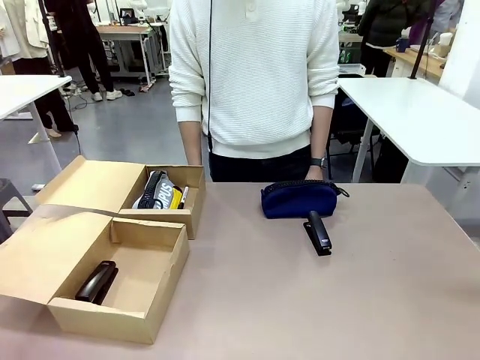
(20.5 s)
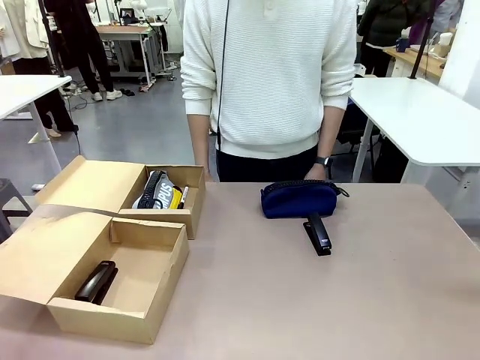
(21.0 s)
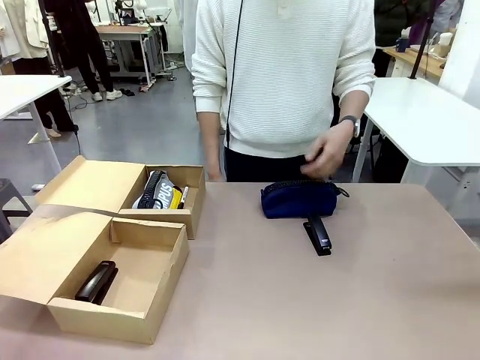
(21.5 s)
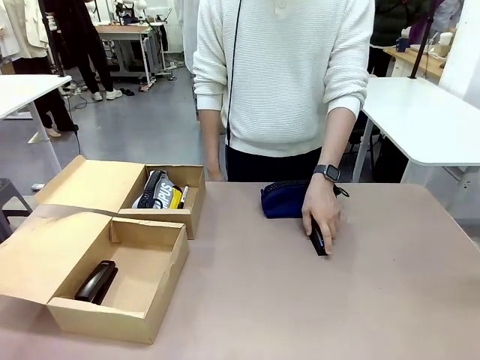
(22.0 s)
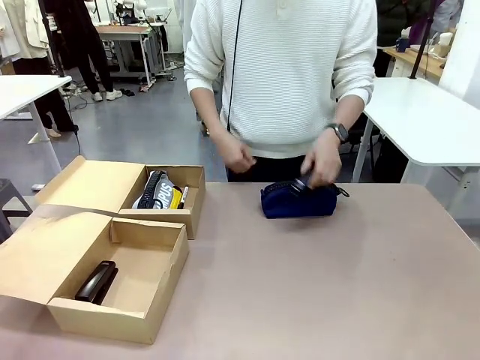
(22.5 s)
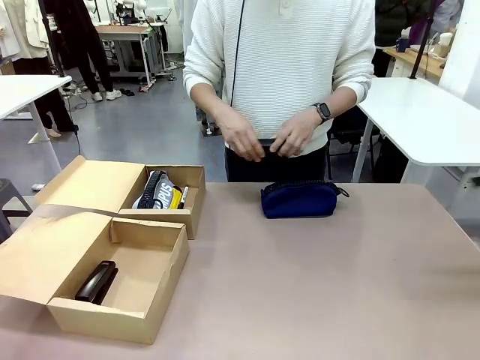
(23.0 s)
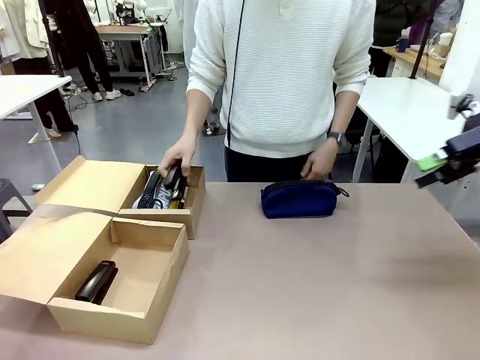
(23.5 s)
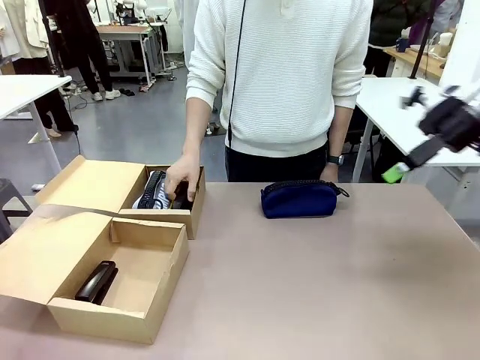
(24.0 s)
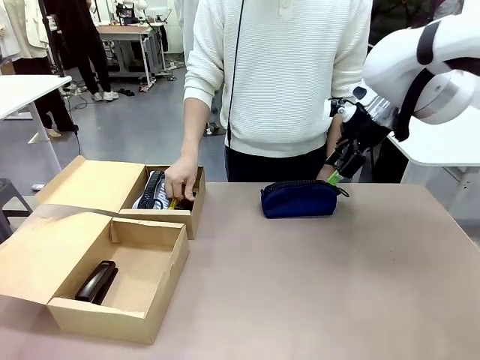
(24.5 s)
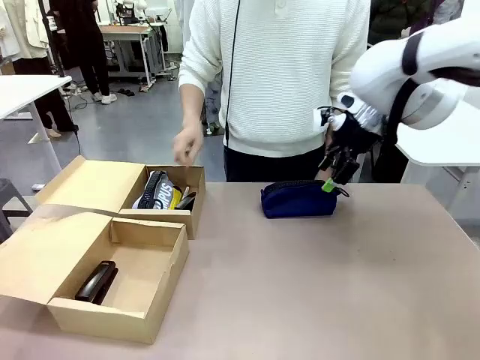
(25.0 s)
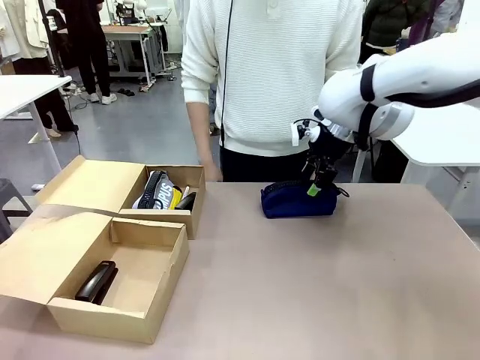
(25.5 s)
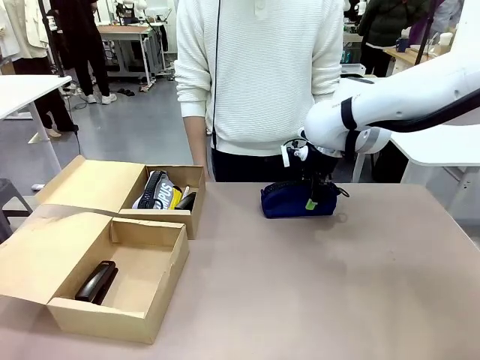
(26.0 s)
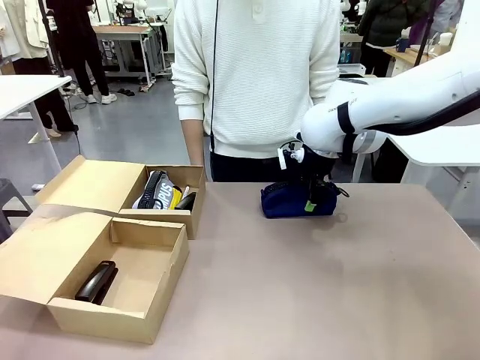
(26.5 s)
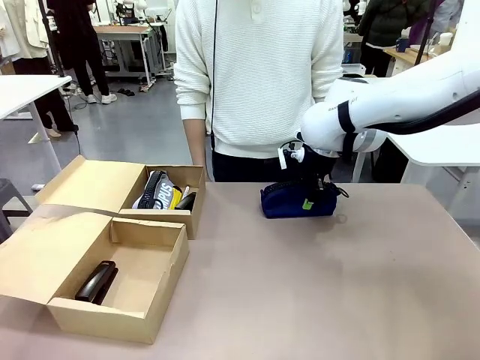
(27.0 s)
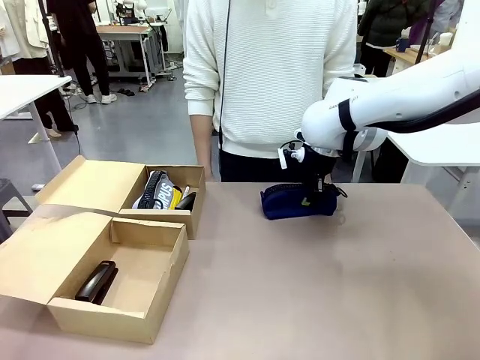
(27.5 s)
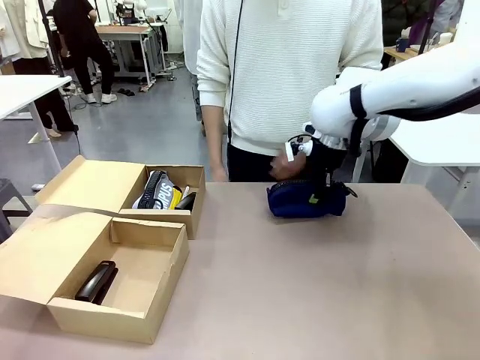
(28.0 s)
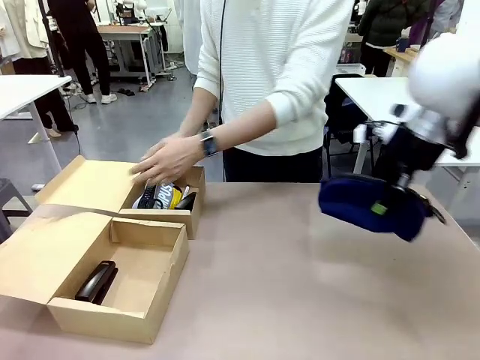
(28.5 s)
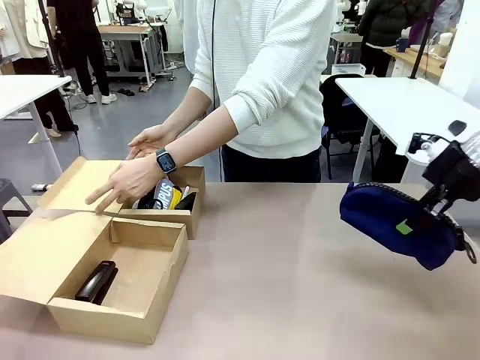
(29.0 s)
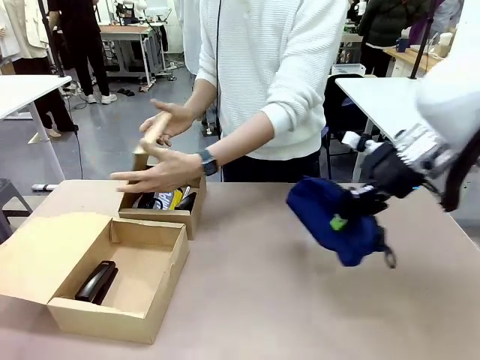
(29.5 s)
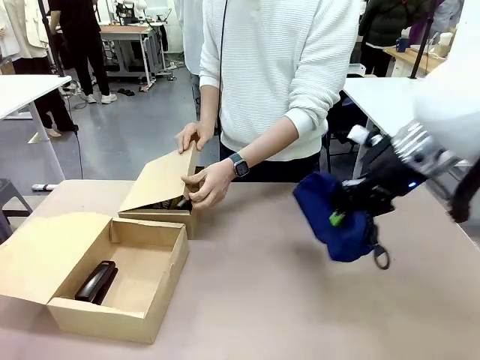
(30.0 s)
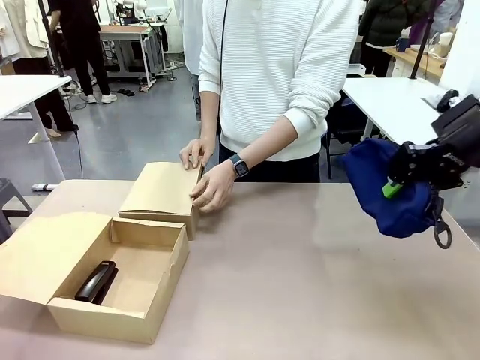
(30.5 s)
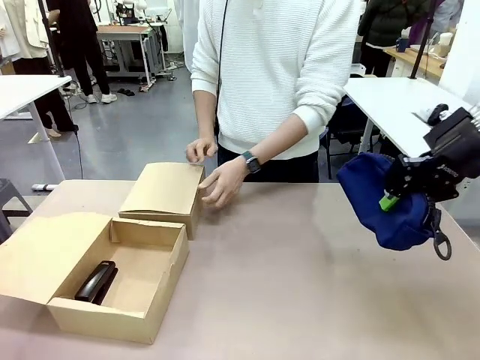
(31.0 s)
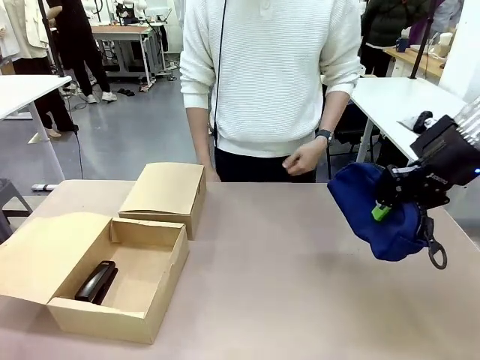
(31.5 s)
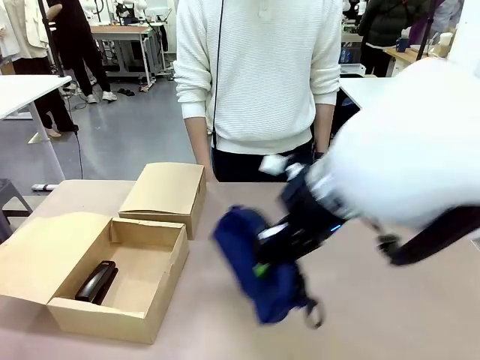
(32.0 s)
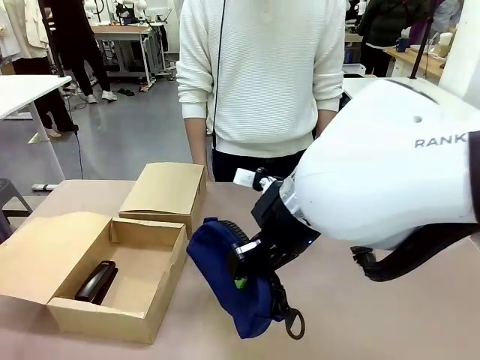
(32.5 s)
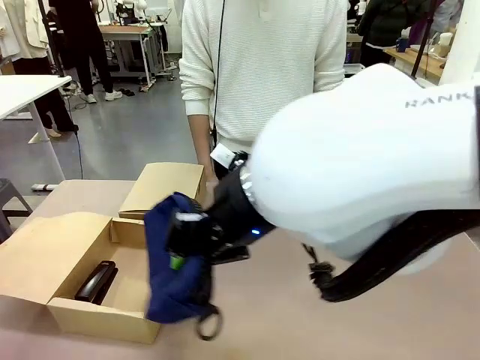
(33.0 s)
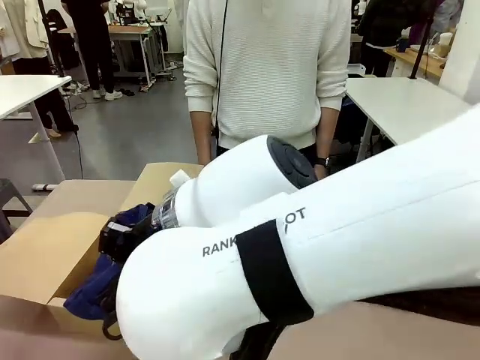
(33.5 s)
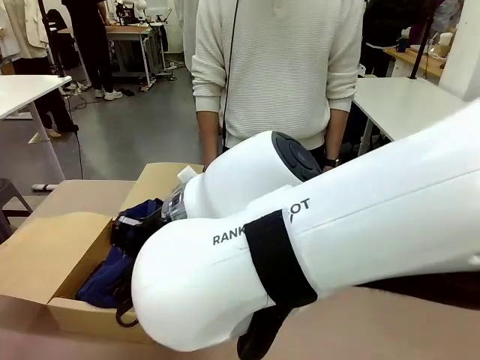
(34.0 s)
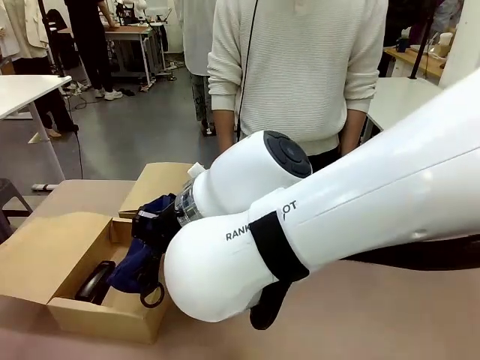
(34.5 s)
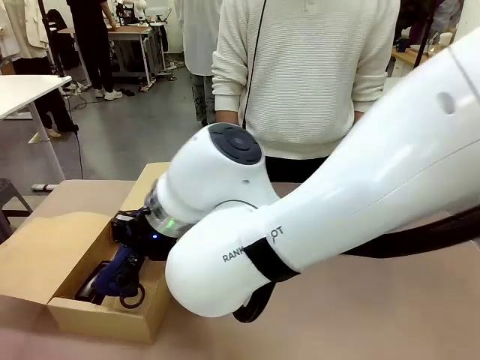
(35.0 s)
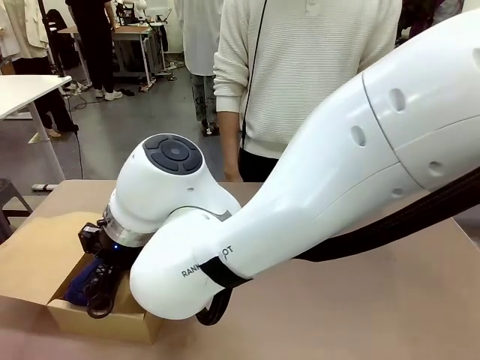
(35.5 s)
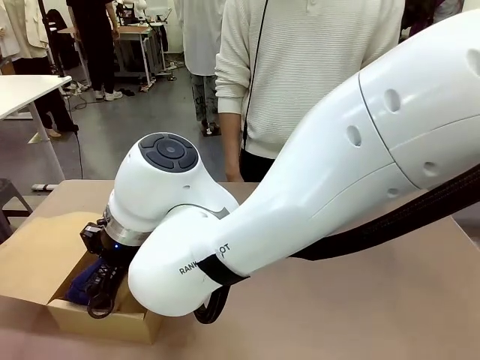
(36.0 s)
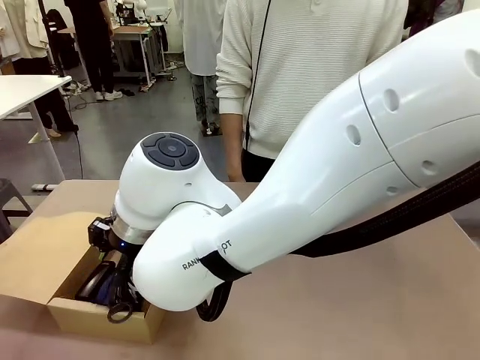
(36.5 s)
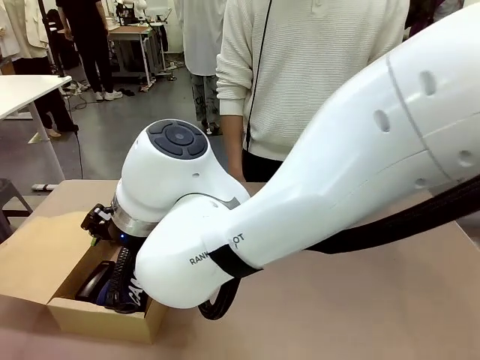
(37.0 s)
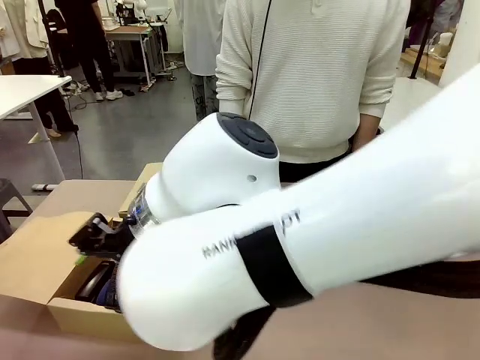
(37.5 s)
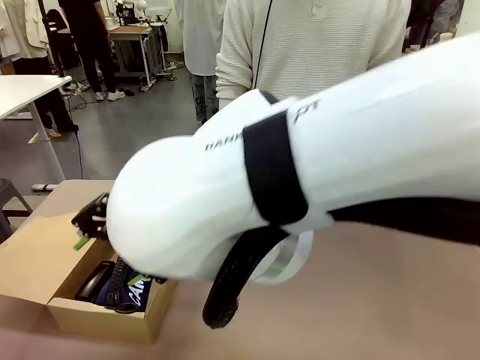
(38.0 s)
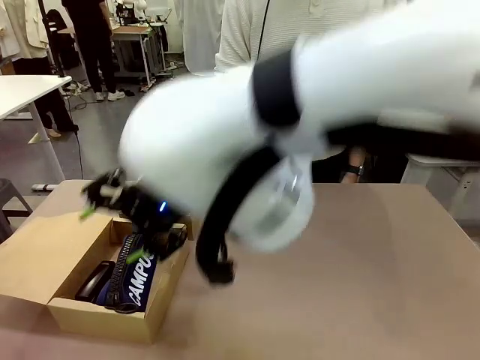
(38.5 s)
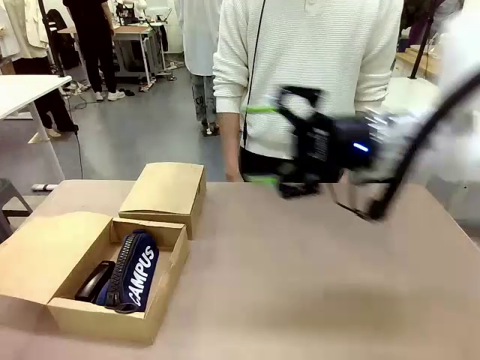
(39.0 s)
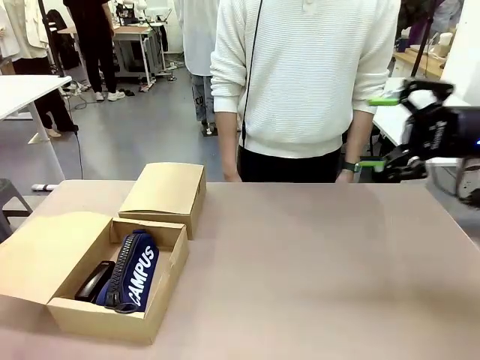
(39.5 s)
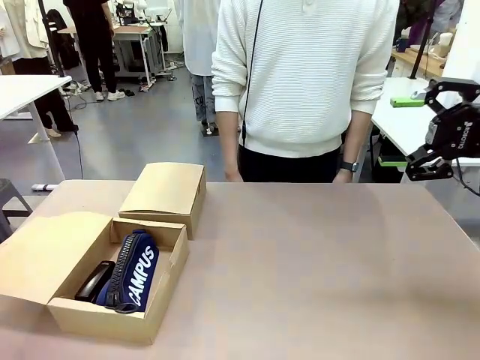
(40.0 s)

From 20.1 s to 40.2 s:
Task: Place items inside the box.
Robot: Pick up a Pencil pouch or Stapler and place it inside the Mailer Box closest to the robot.
Person: Close the lid of the box facing the person.

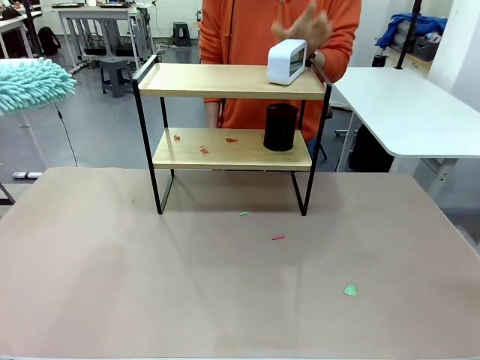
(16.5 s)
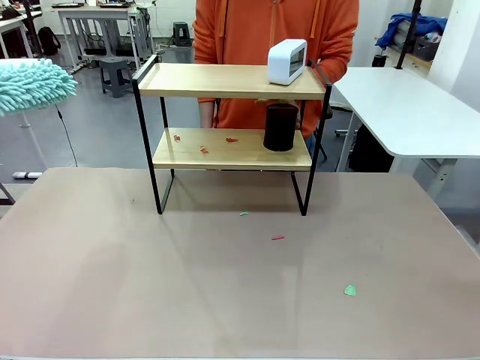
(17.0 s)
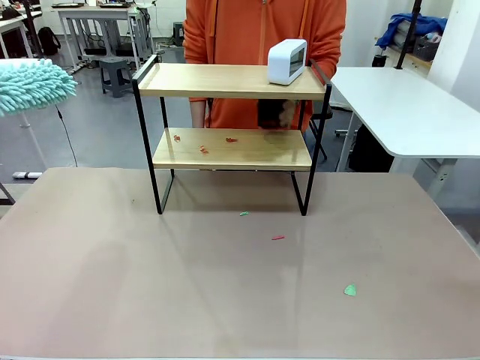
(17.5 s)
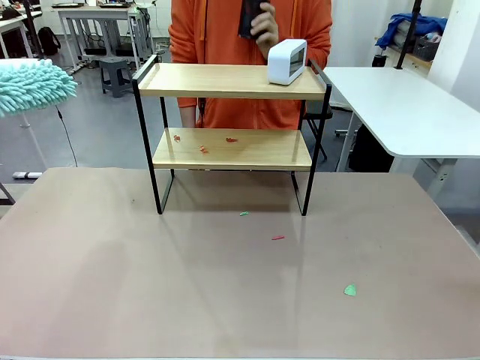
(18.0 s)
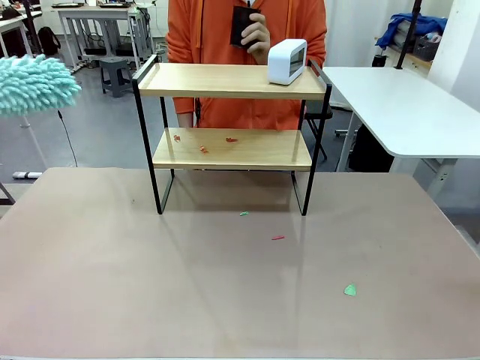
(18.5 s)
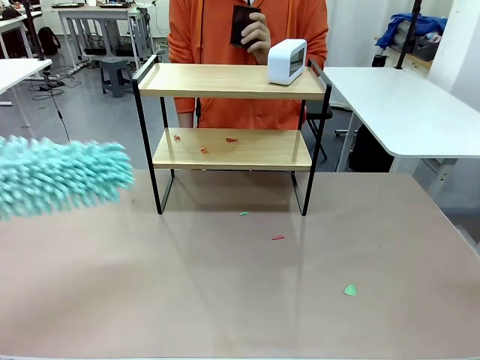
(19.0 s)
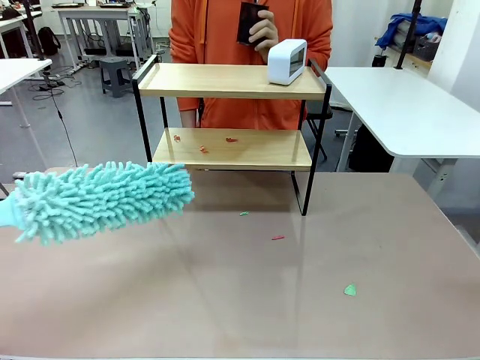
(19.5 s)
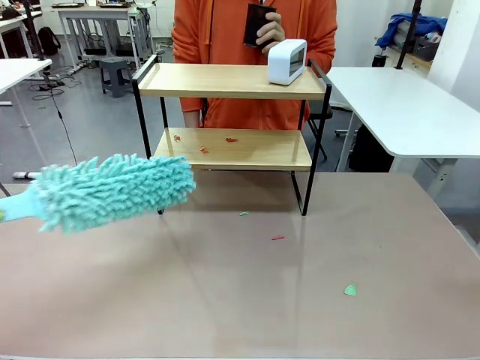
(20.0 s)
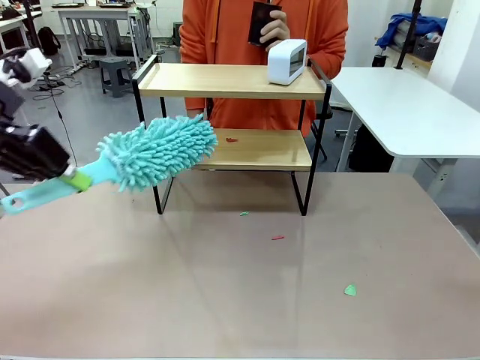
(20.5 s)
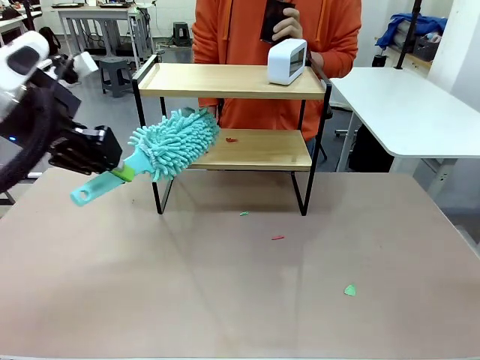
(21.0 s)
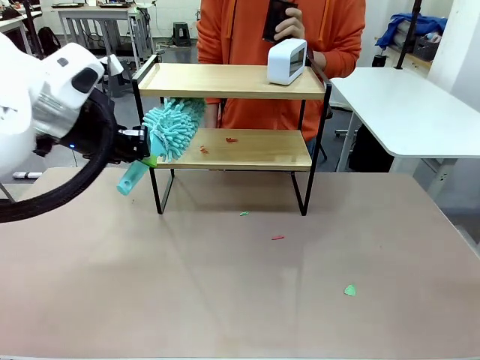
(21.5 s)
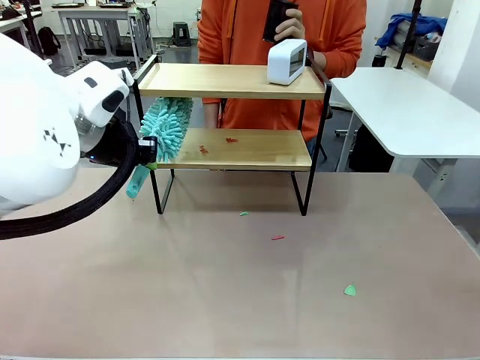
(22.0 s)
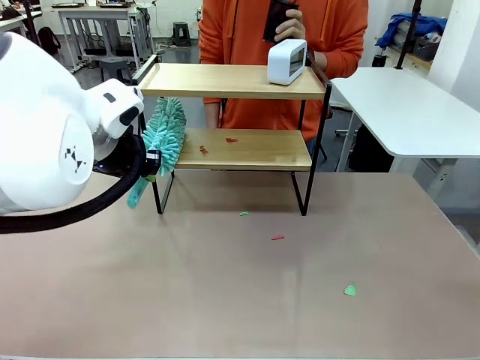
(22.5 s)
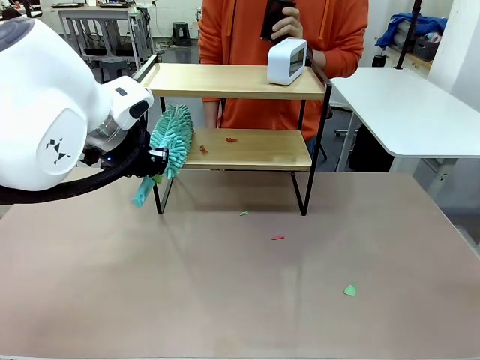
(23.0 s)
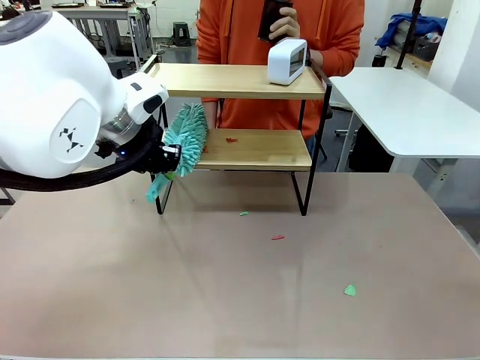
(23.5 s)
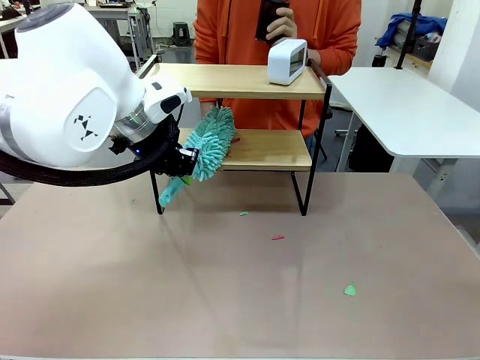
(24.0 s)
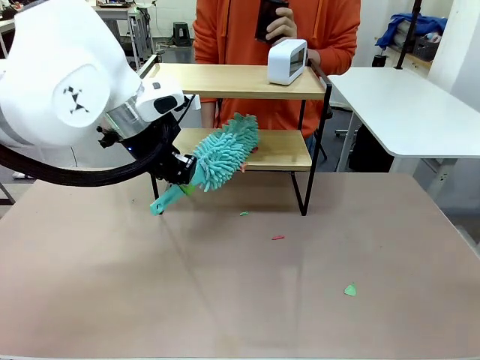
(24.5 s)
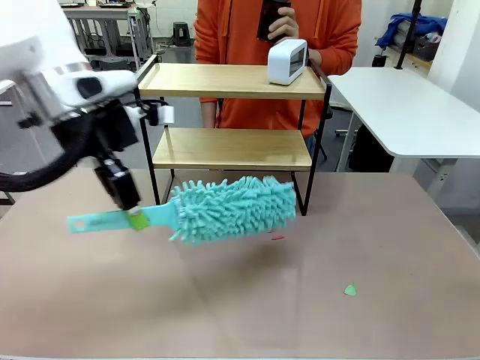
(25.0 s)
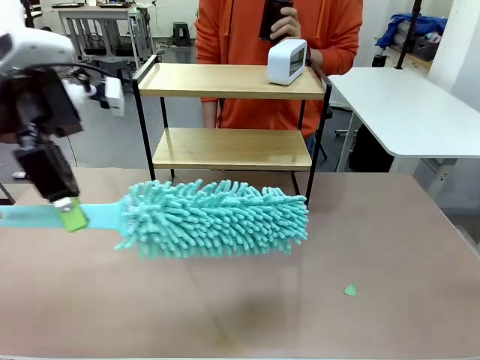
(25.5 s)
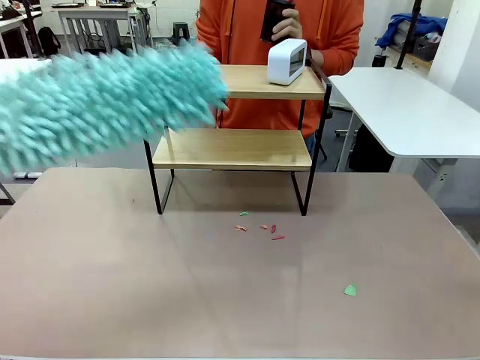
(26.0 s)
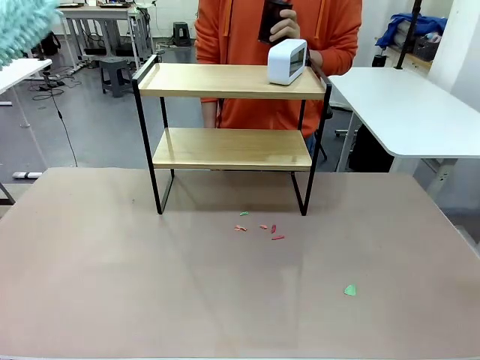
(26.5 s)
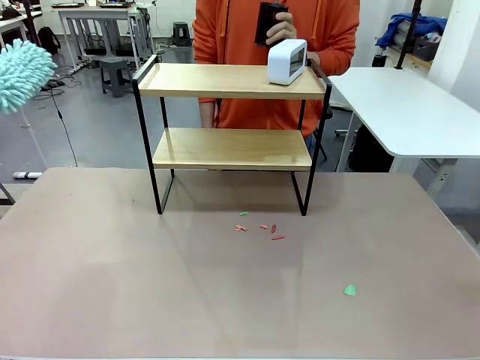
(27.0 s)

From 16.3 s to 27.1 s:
Task: Clean the shelf.
Robot: Clean the remaining tier of the Shelf with the Duster once objects are removed.
